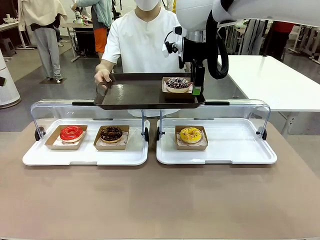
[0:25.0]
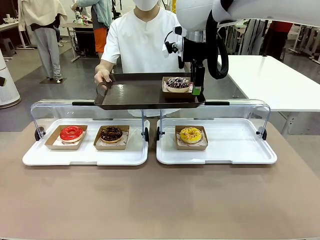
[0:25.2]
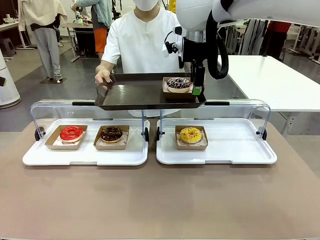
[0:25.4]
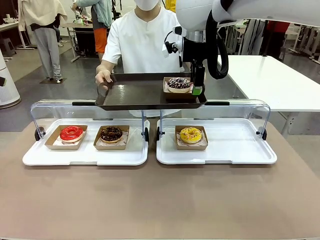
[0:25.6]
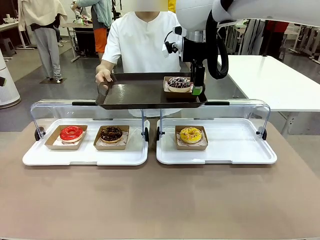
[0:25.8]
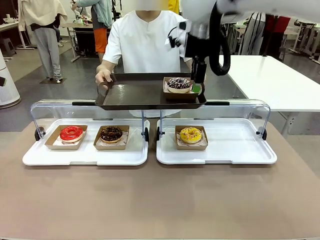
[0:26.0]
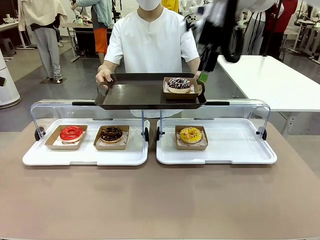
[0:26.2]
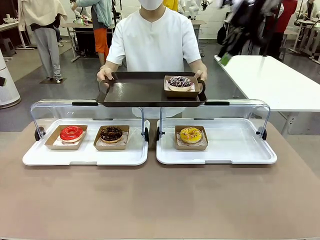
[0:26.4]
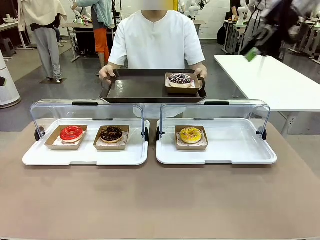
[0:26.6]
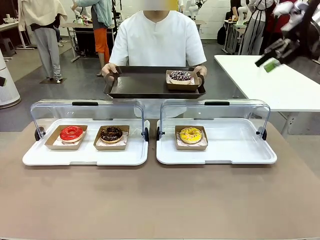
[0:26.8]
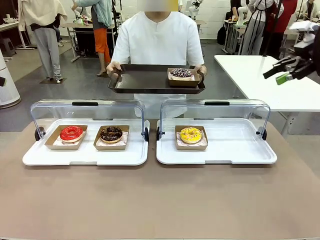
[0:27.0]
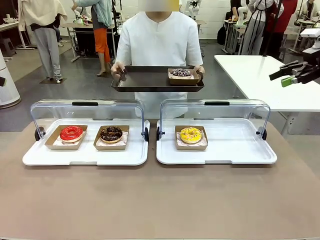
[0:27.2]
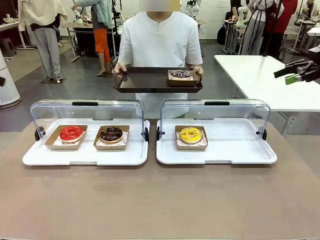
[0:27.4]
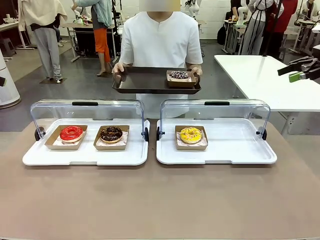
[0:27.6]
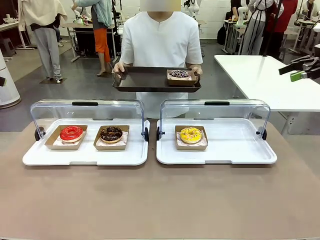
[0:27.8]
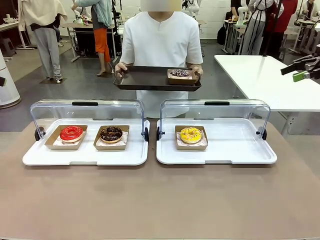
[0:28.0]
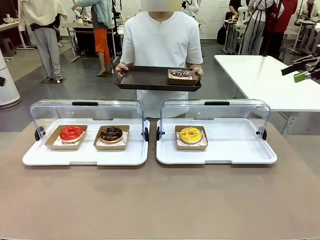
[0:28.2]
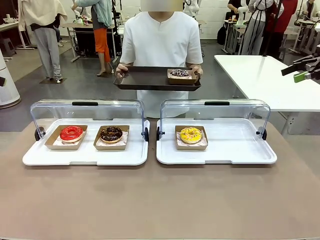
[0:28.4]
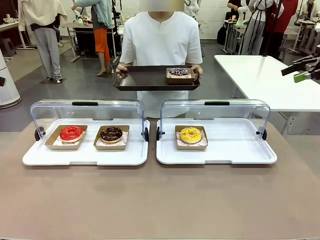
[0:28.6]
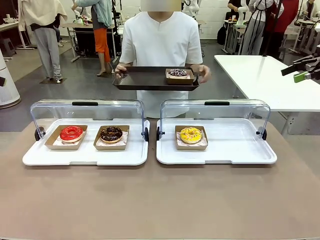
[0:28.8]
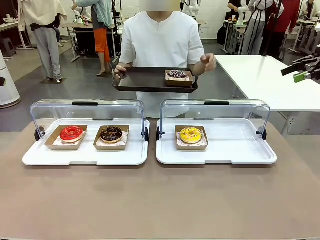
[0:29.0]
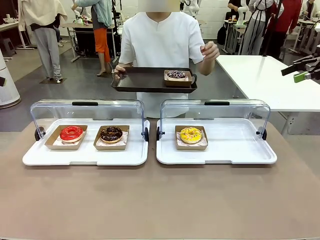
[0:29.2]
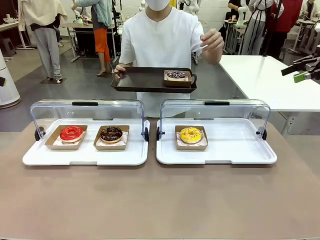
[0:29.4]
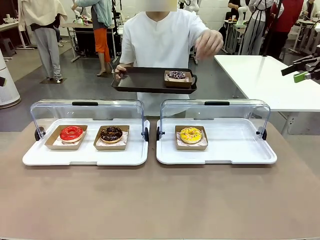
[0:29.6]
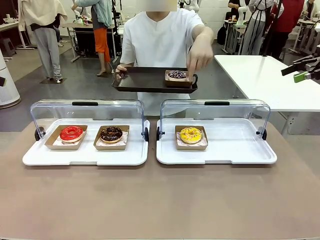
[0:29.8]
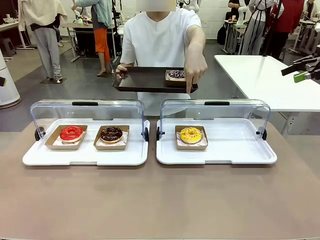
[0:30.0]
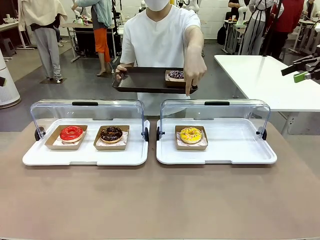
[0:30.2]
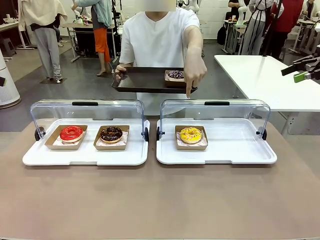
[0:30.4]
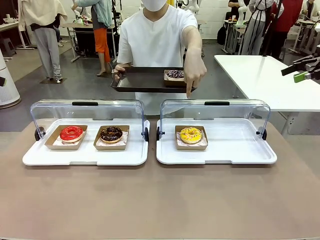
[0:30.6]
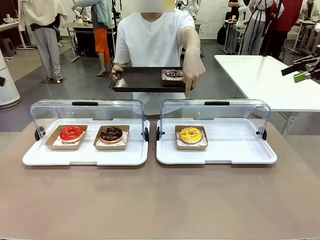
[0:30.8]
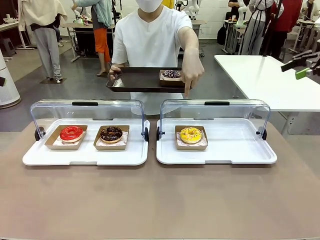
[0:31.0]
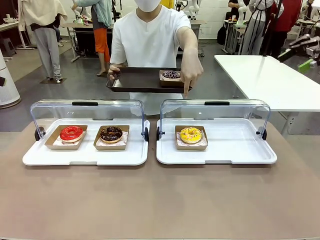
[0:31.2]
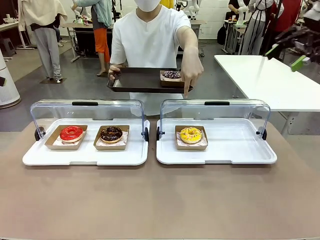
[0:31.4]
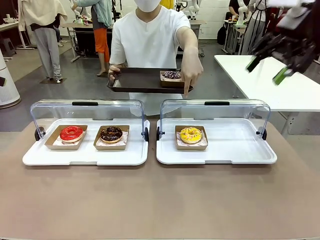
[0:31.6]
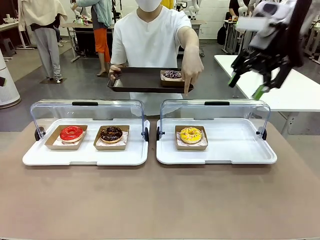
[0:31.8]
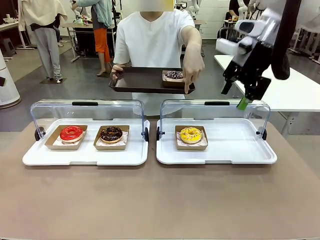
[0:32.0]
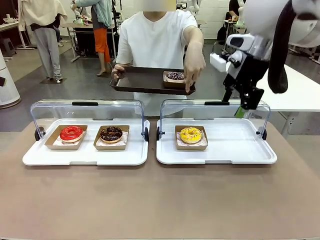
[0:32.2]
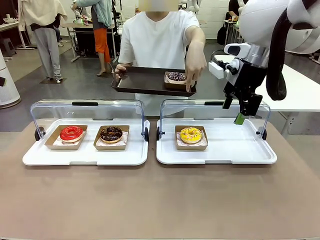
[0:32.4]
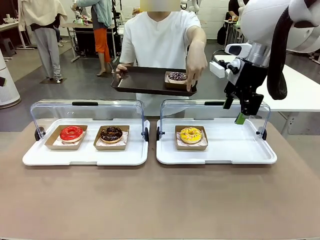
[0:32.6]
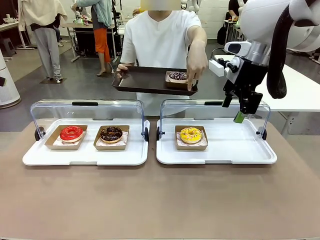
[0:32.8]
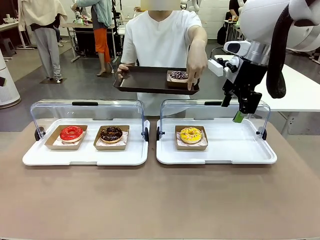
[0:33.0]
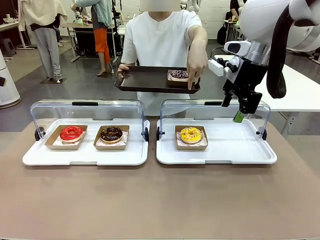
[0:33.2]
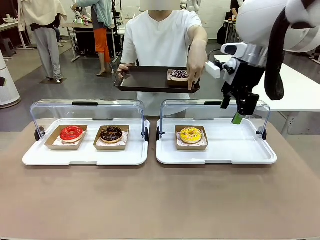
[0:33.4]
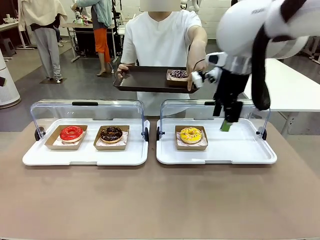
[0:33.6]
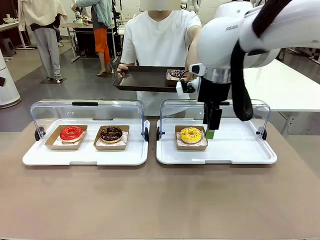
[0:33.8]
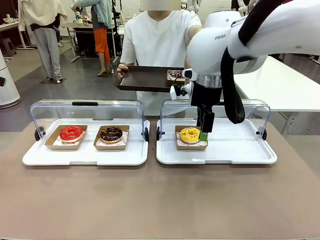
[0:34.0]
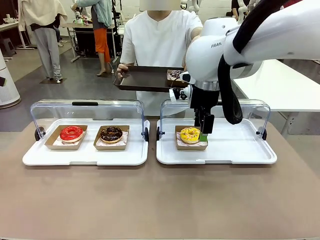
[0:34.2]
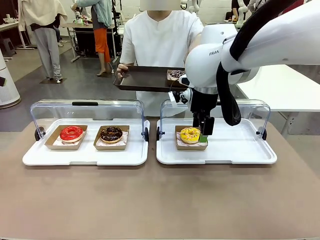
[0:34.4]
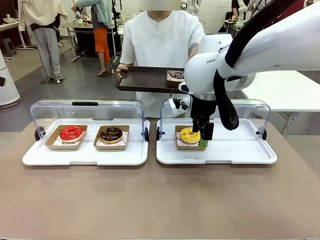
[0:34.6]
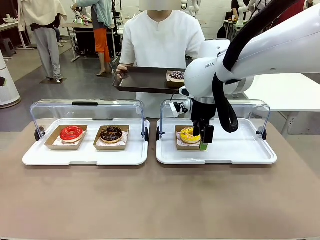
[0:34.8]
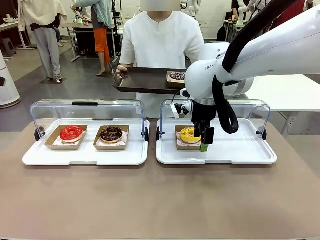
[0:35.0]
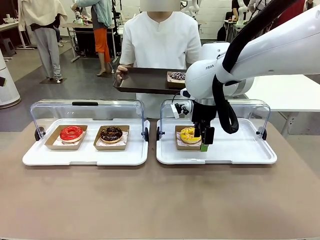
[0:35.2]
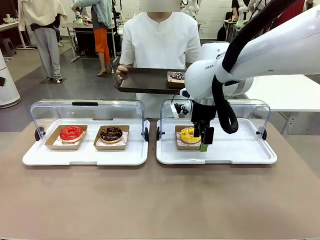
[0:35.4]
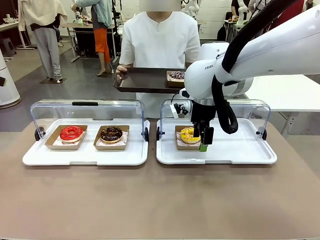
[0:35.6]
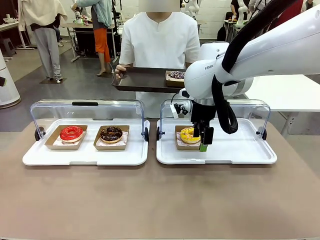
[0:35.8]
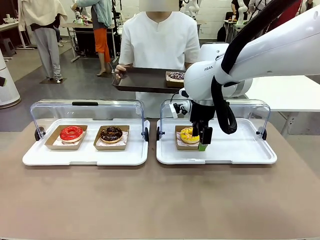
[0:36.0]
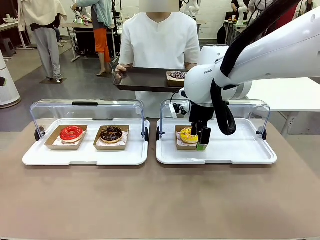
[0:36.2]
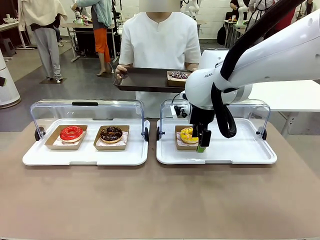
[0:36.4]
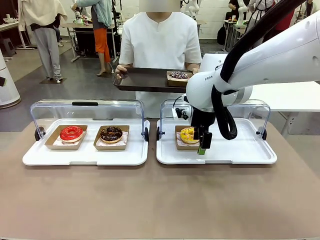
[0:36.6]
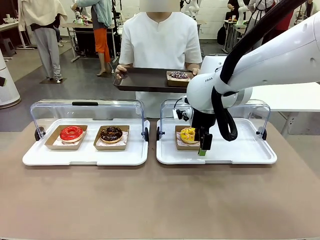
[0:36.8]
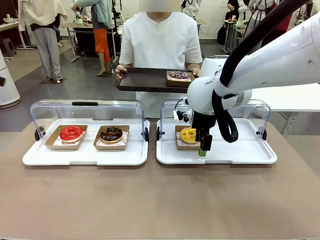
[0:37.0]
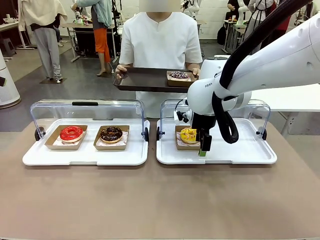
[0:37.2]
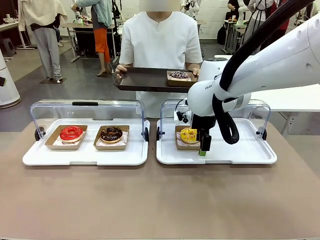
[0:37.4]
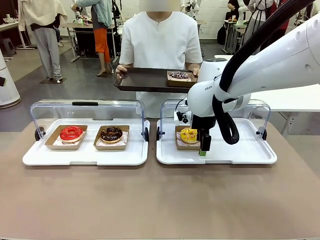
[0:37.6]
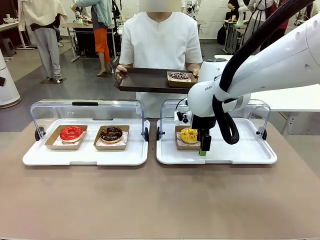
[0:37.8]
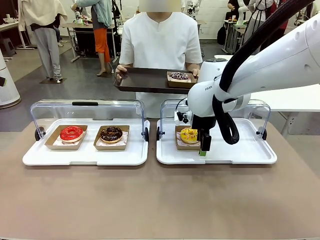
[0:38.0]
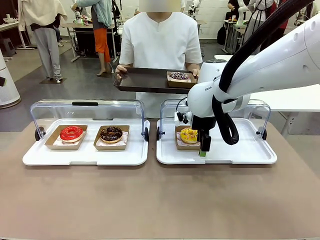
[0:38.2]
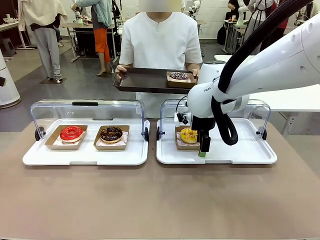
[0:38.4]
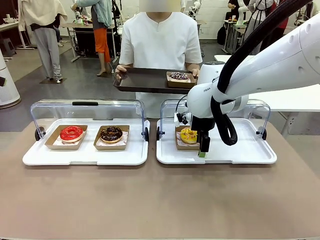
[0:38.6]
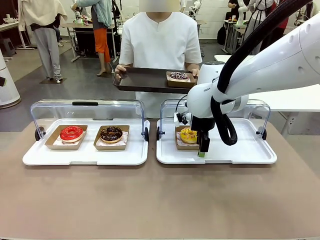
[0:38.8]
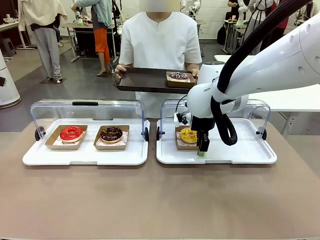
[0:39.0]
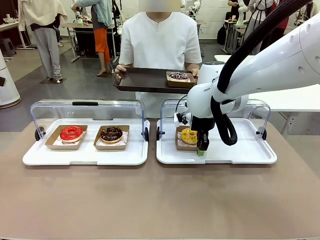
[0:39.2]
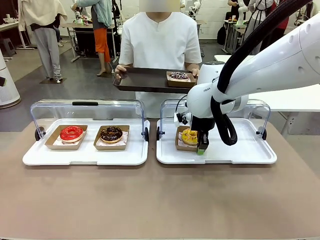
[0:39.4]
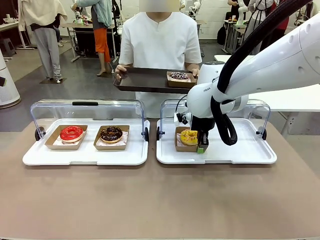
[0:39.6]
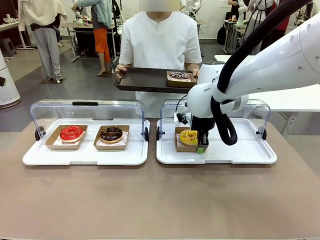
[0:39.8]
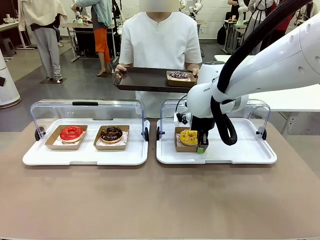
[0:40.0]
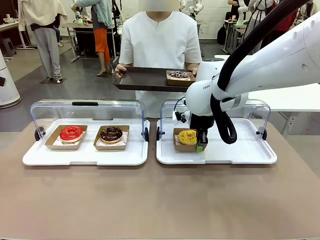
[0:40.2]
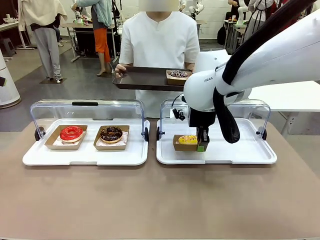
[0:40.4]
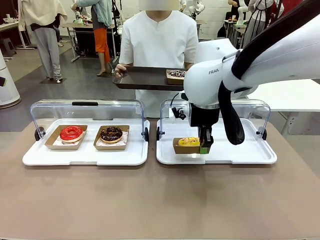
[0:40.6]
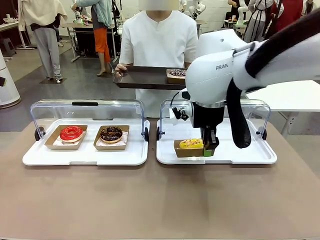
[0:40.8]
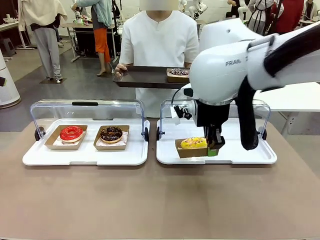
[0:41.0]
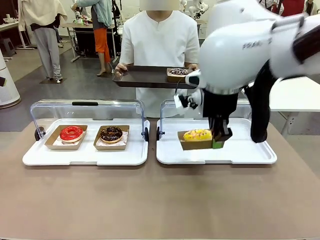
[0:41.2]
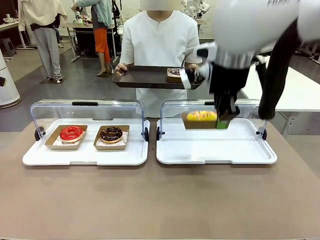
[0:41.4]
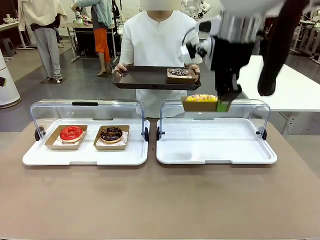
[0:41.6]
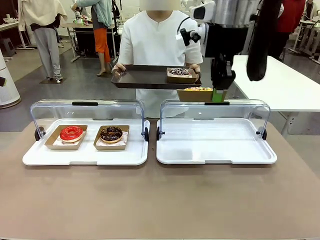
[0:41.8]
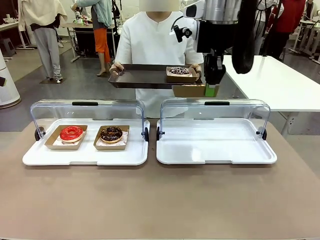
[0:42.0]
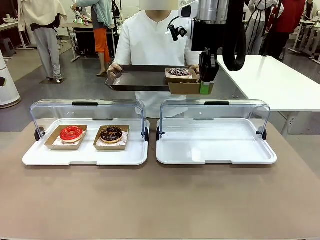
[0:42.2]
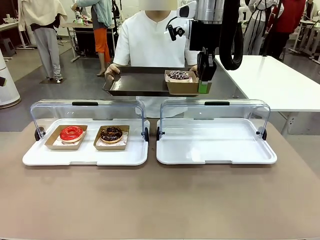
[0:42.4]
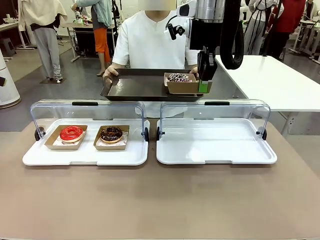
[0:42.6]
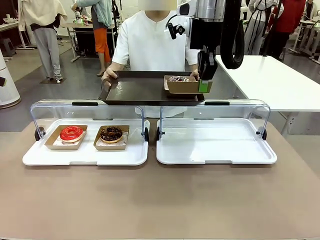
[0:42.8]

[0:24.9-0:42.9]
Task: Provide the desired donut to the person.
Robot: Pick up and lift the Paper togo box containing the Donut pointed at by the person.
Person: Point to one donut. Lift the tray onto the Roll-Top Bakery Case.
